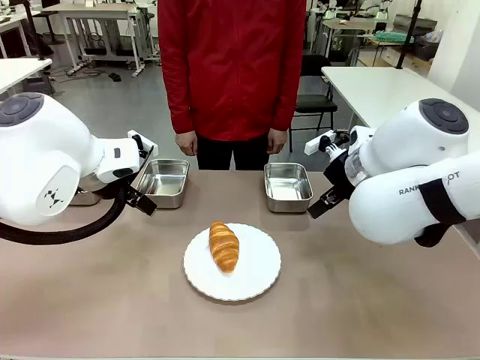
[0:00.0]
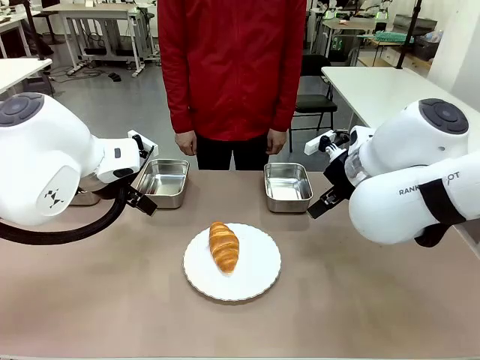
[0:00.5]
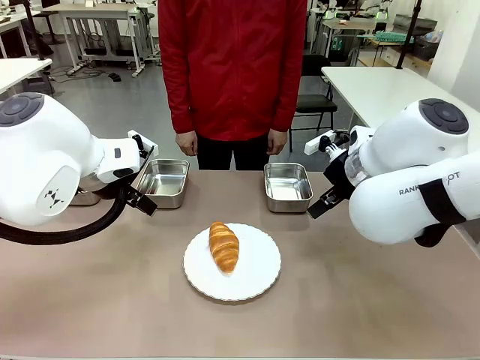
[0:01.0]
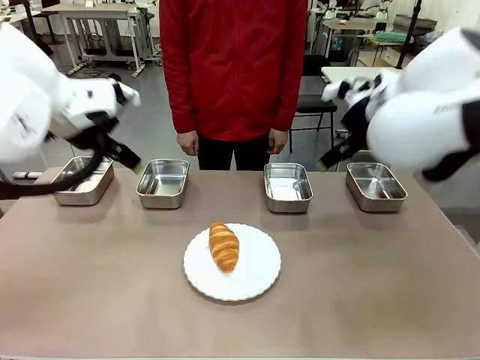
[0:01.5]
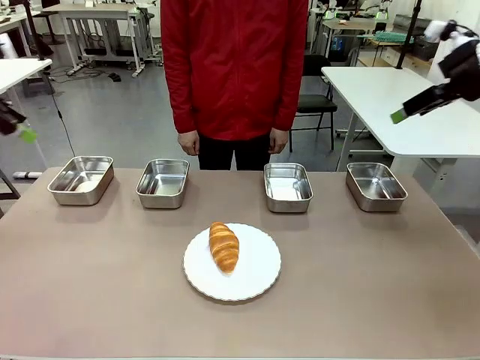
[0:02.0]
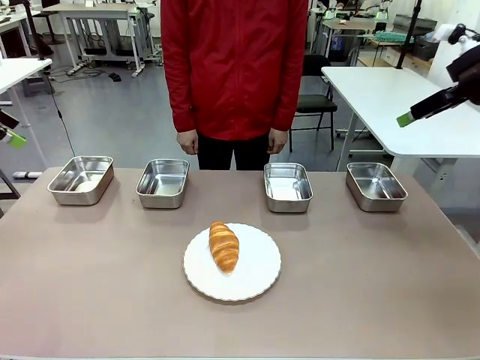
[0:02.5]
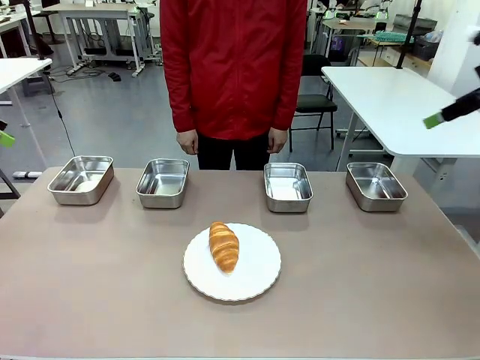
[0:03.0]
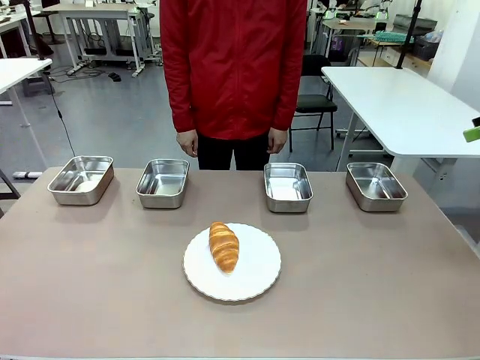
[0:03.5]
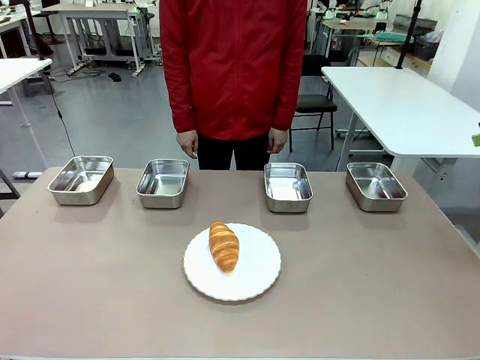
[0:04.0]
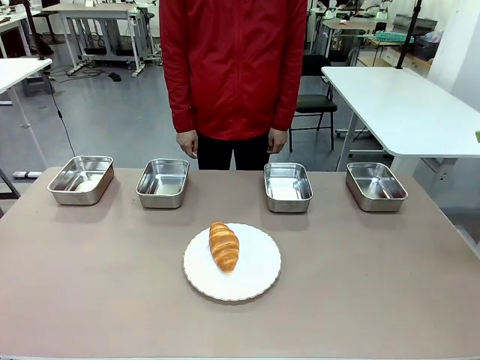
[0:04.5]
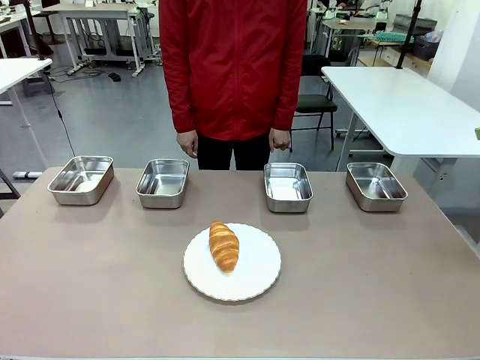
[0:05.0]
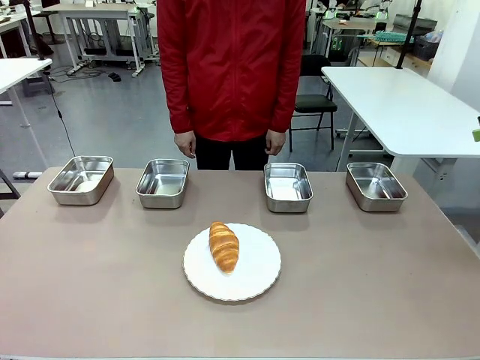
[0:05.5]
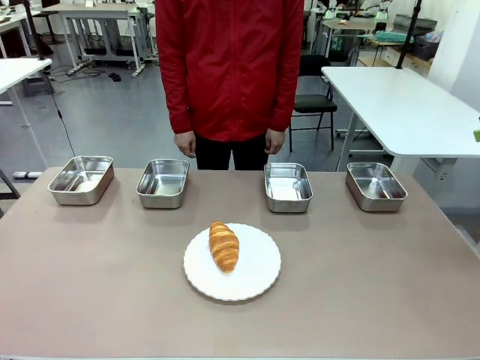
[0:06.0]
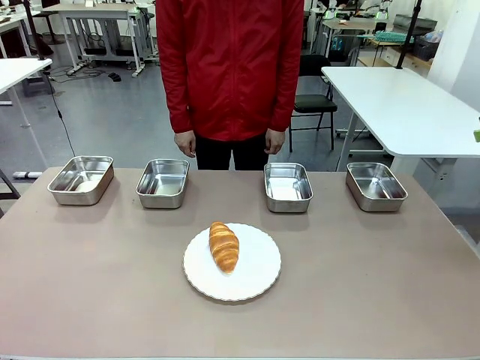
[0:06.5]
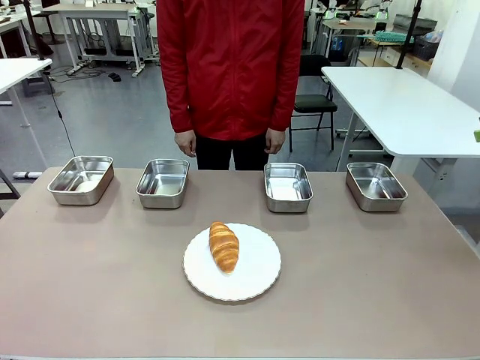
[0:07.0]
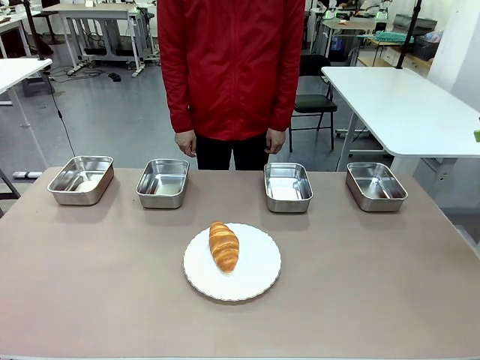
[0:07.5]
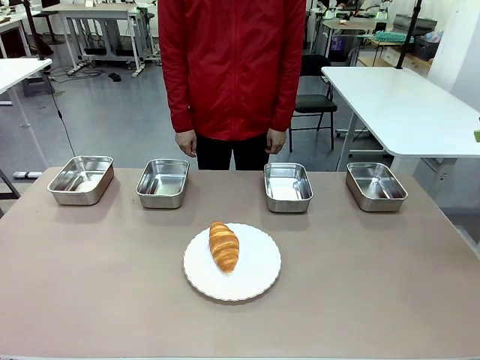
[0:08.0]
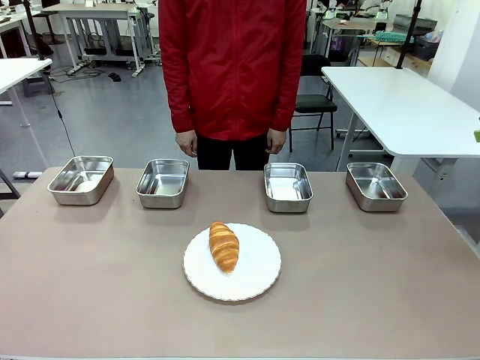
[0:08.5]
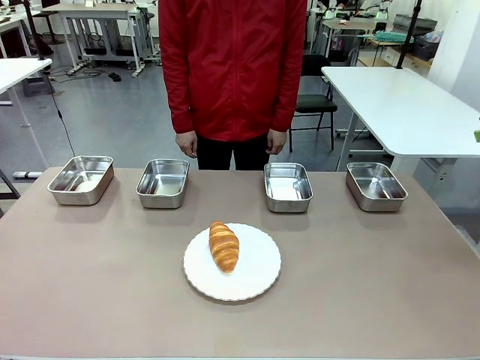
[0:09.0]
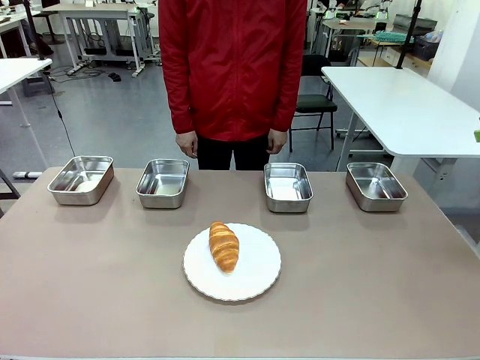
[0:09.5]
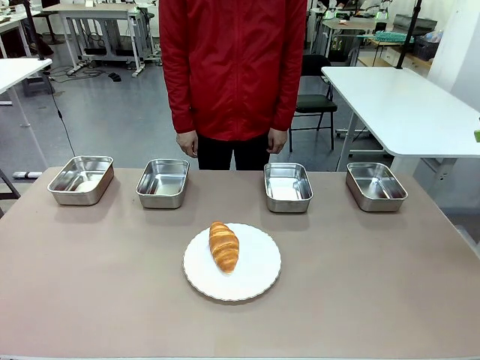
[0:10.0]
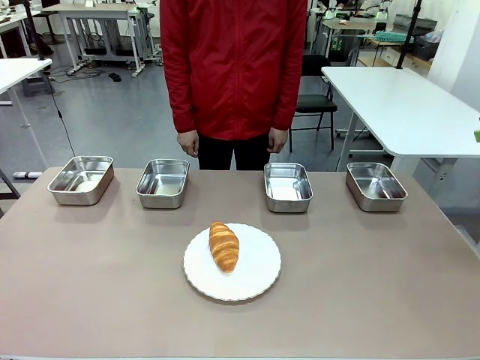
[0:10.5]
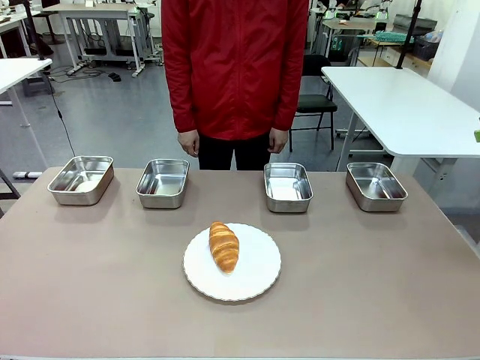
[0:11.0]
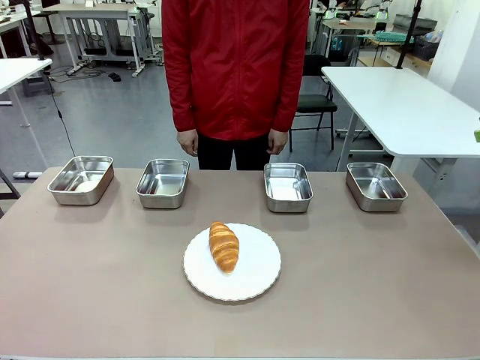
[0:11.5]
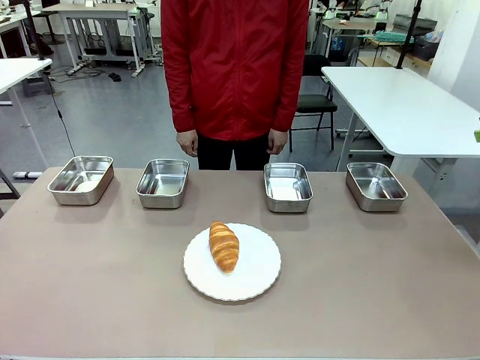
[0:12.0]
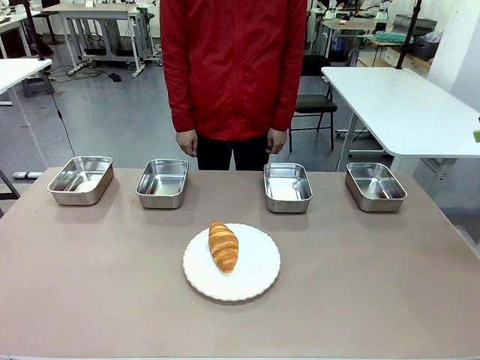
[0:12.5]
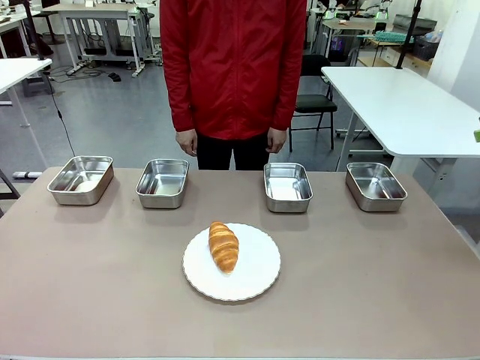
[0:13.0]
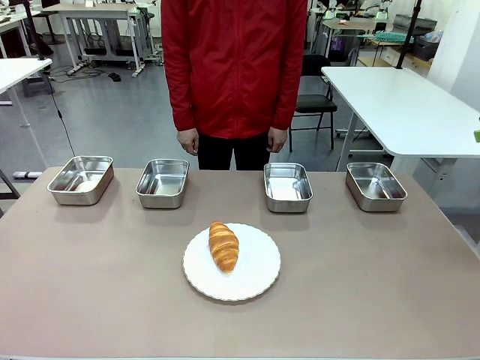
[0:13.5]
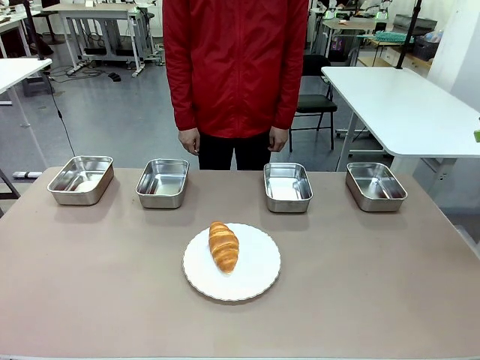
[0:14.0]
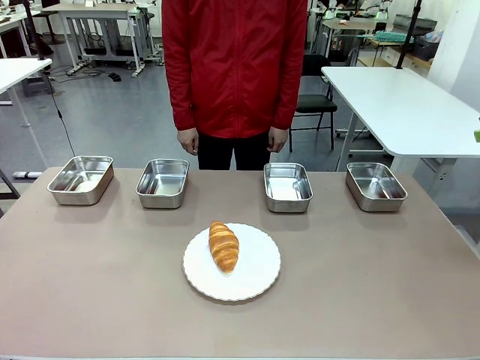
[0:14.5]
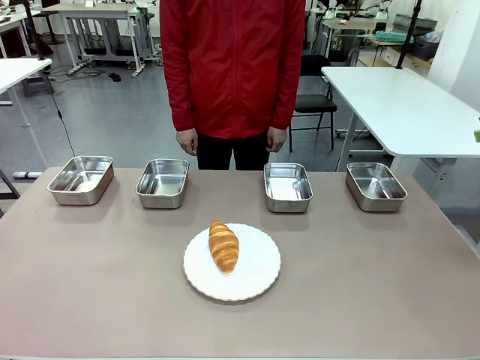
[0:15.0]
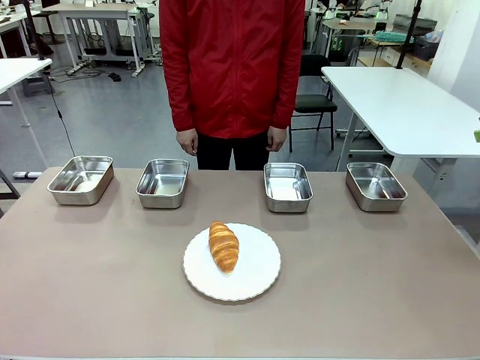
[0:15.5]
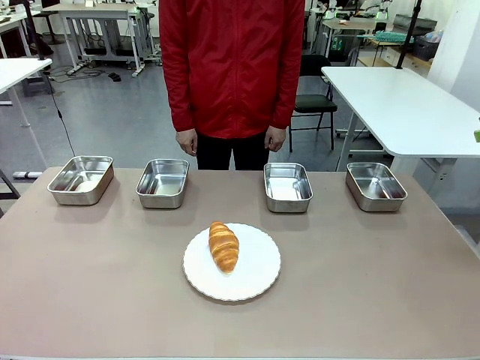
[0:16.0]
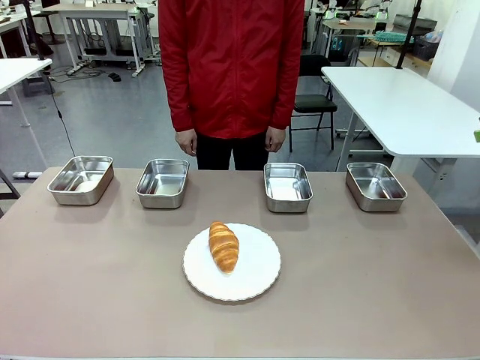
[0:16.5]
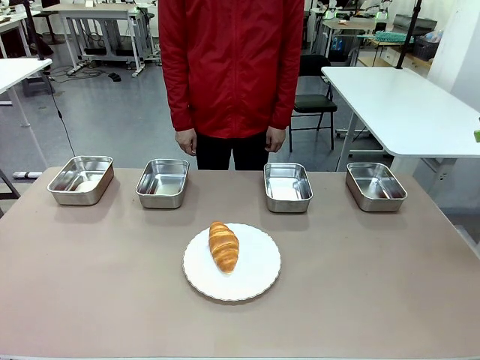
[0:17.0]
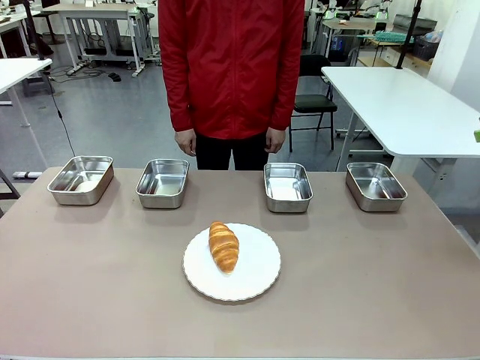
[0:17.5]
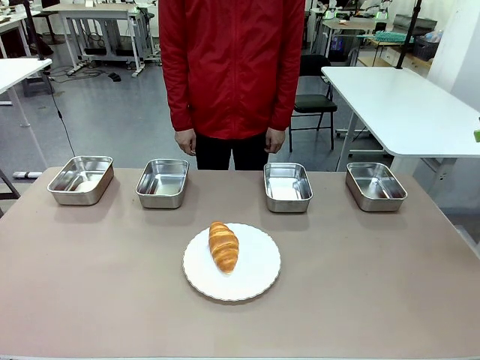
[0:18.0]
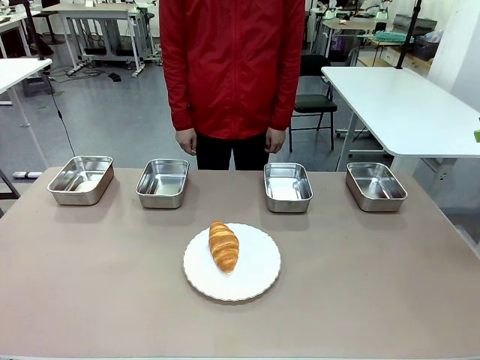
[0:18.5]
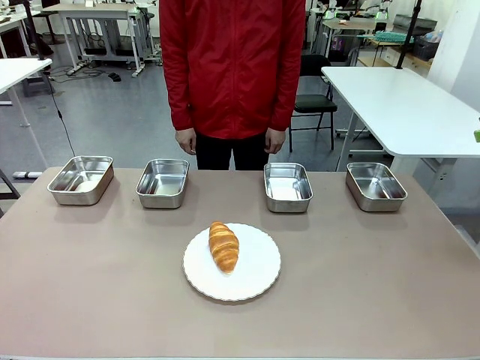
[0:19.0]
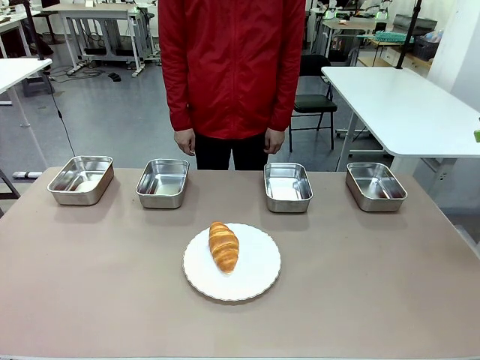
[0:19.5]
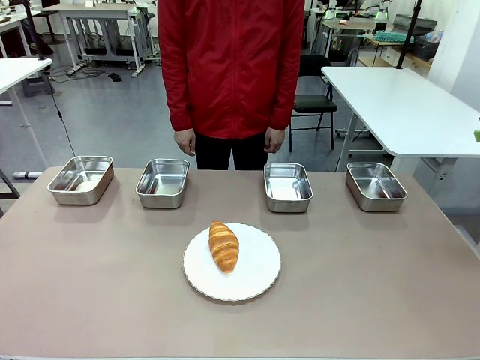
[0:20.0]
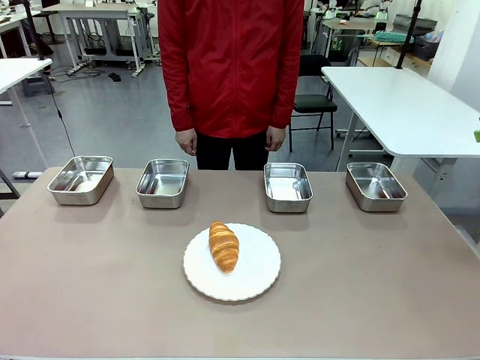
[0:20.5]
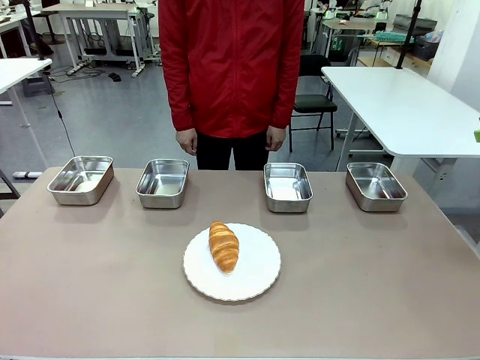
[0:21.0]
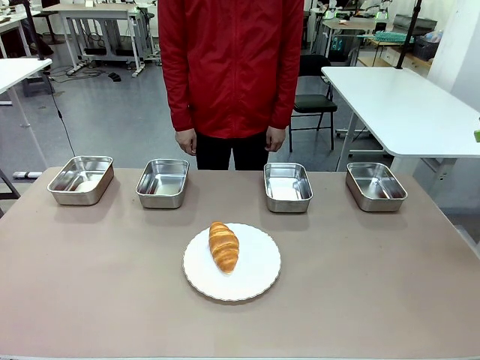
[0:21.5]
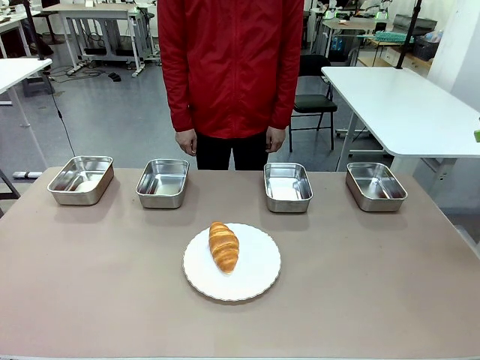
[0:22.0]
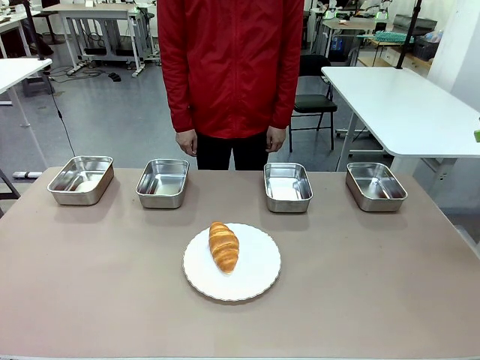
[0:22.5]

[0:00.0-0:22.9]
Task: Place the bread in the container.
Robot: Place the Butter Roll into the Airtight Container indicated by the human.

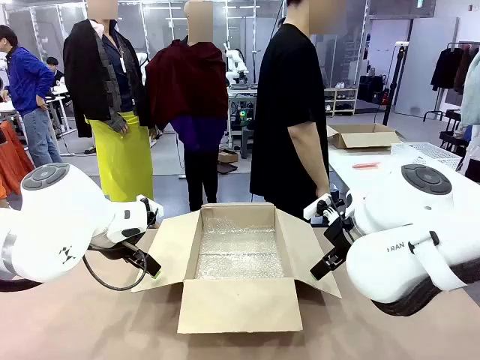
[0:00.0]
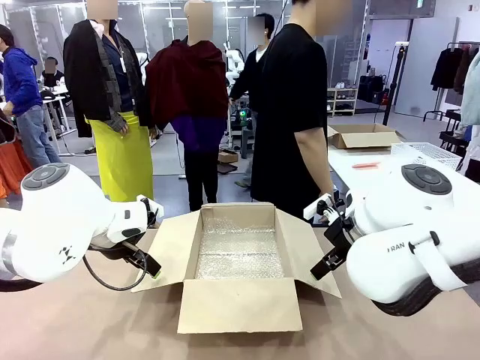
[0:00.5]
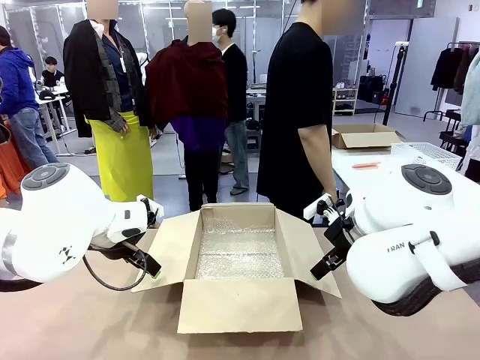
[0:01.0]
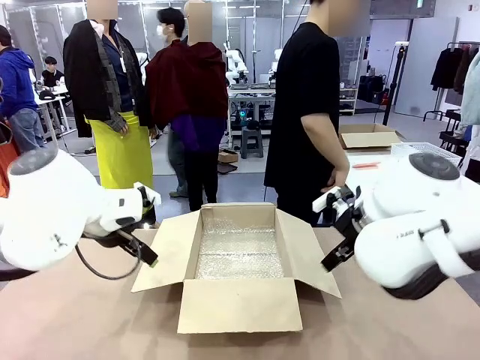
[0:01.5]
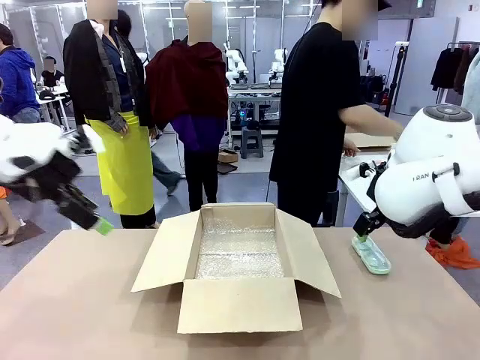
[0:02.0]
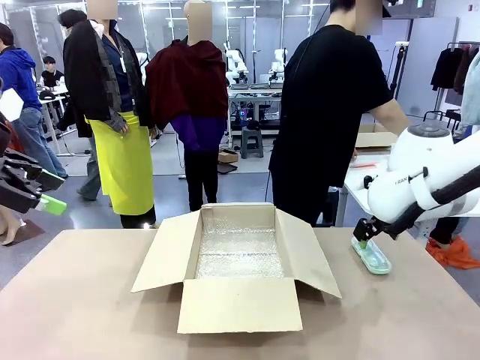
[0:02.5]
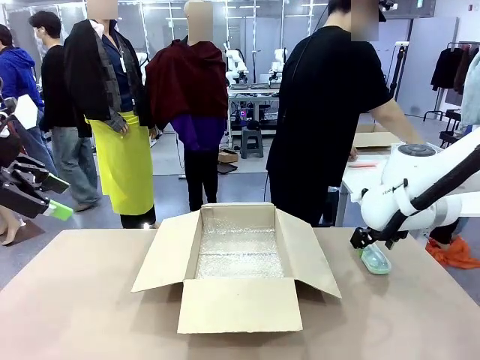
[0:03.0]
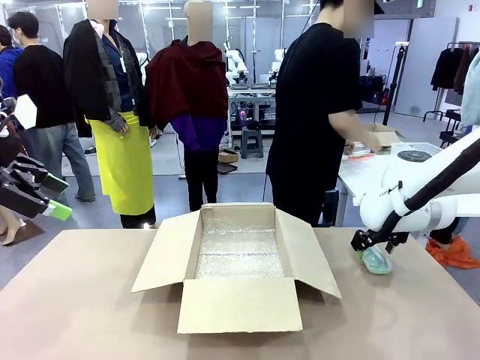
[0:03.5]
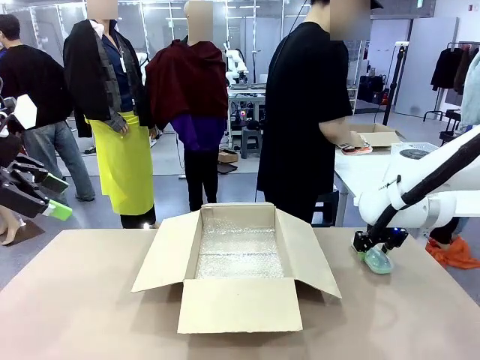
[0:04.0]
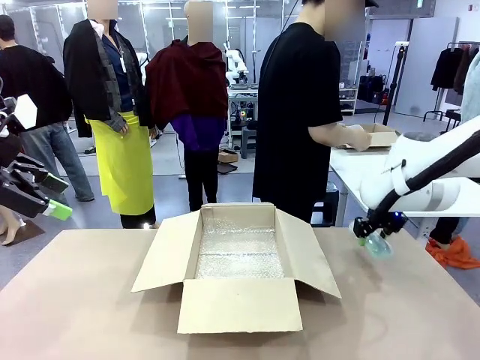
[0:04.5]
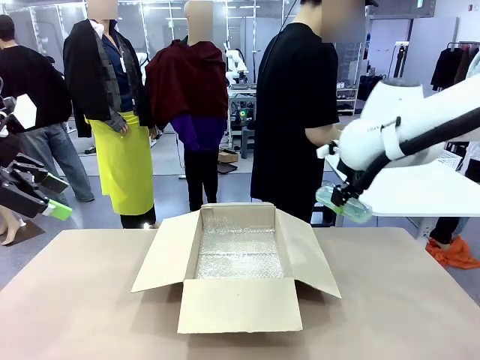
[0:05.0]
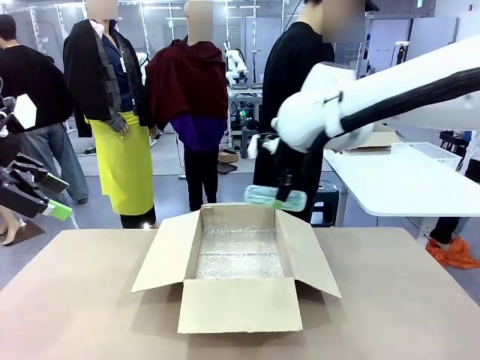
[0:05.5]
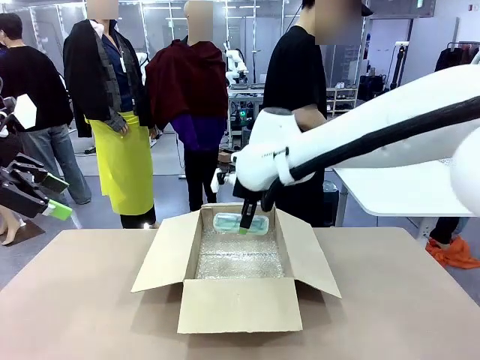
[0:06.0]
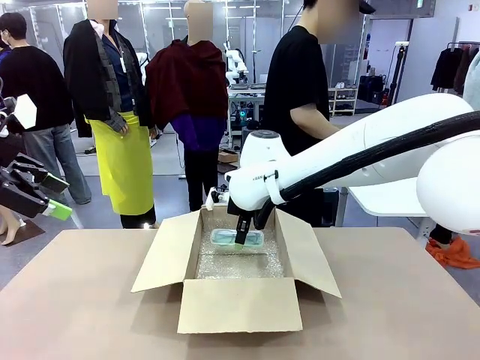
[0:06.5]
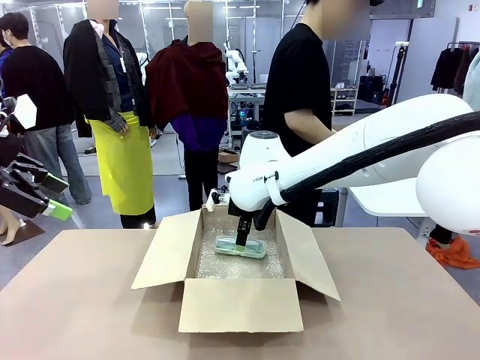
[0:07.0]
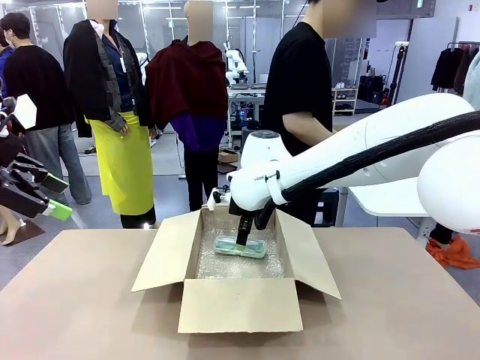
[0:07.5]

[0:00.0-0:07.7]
Task: Pack the glasses set securely to prepare it for shipping.
Robot: Place the Glasses case inside the Package Box.
Person: Place the Glasses inside the Glasses case.
